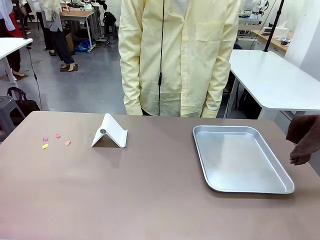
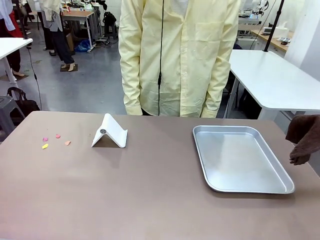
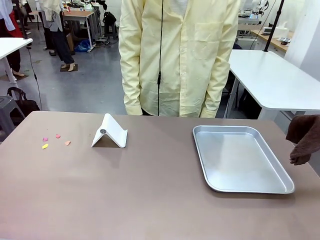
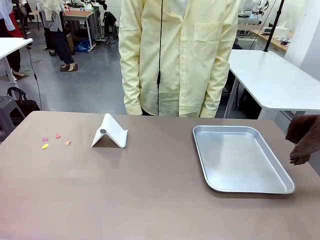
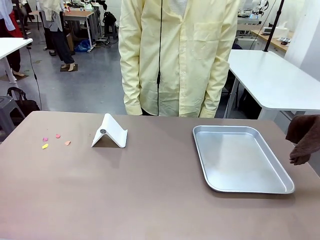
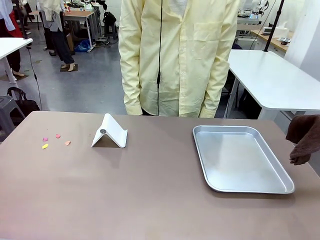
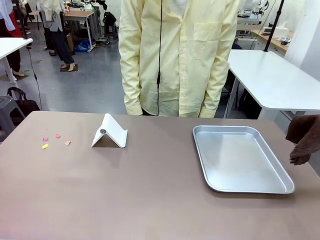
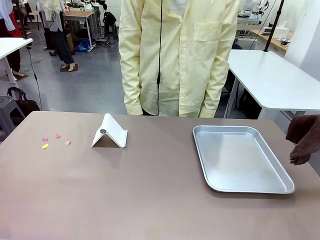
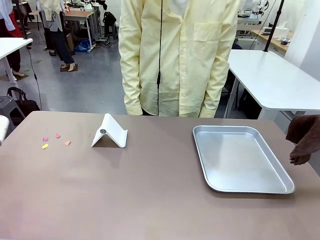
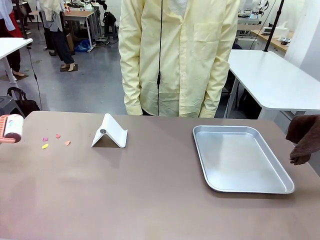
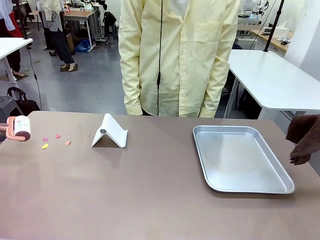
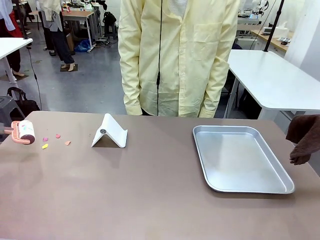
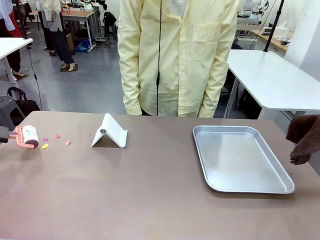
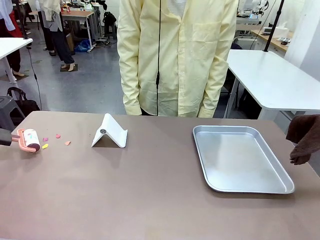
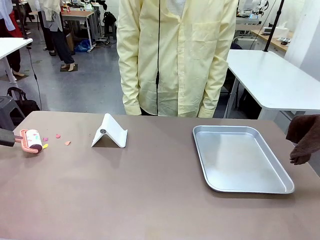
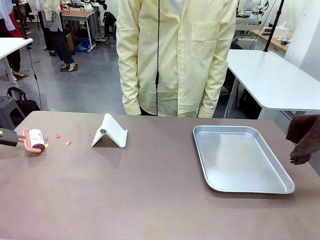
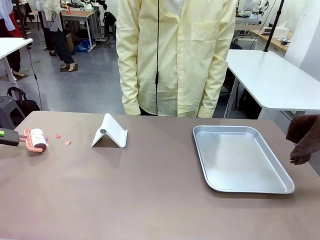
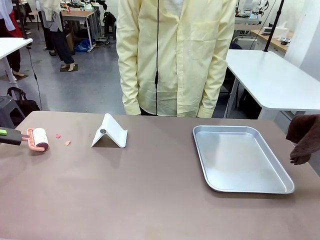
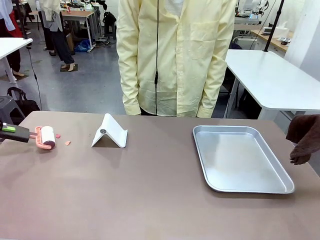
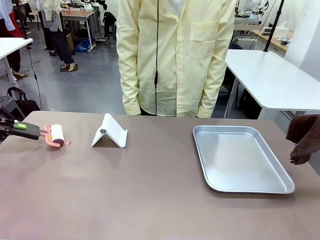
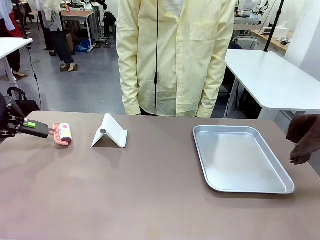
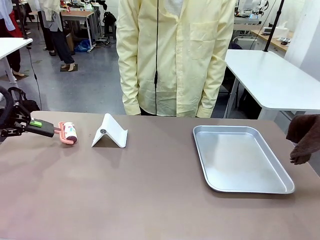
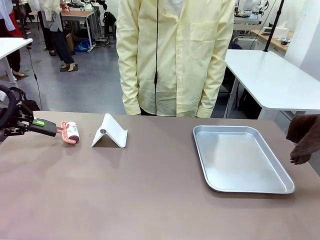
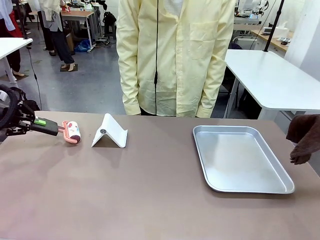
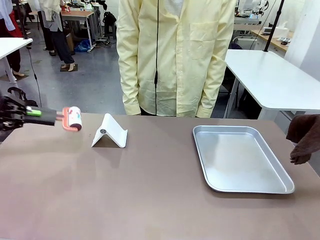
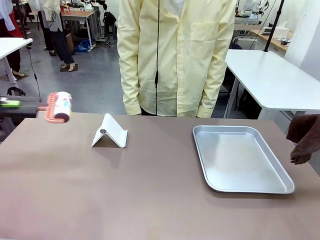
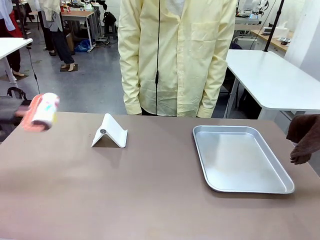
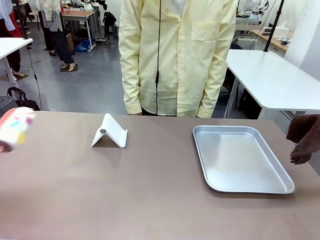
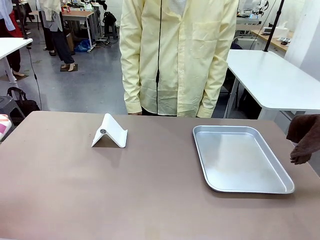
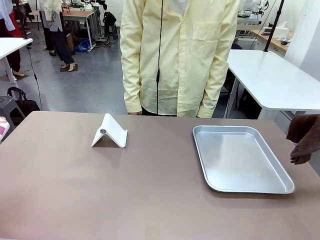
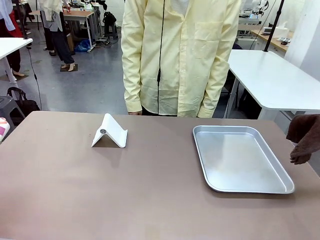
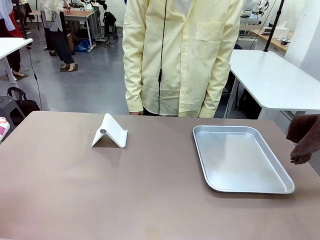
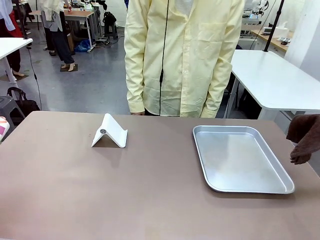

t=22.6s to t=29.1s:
Task: Clean the surface of the table.
Robot: Clean the area not pointed to by the person.

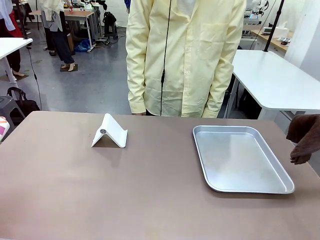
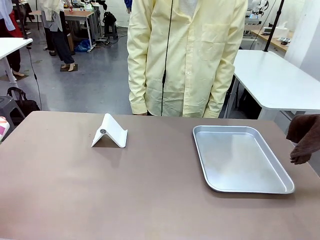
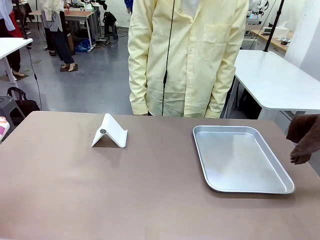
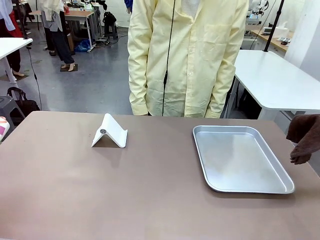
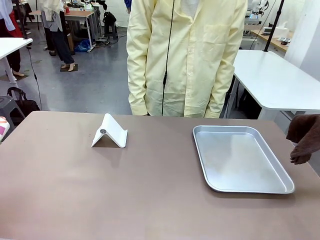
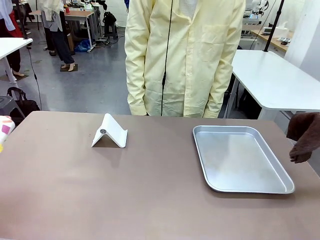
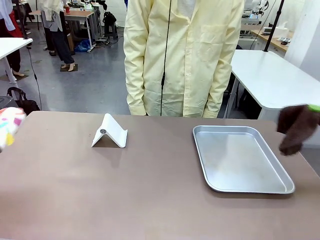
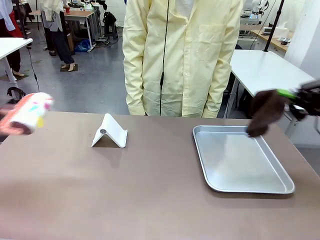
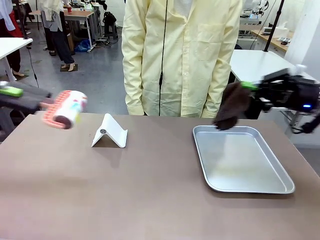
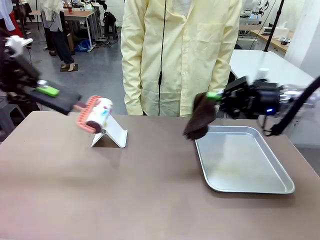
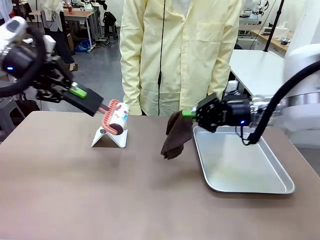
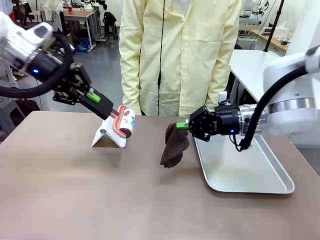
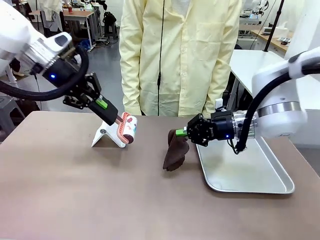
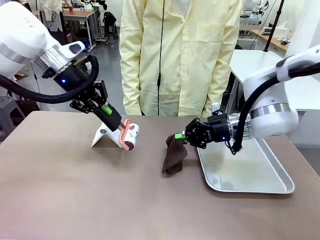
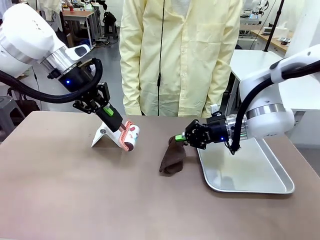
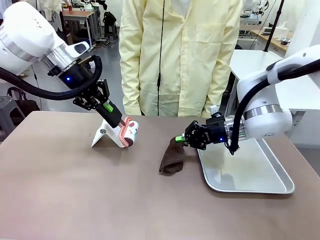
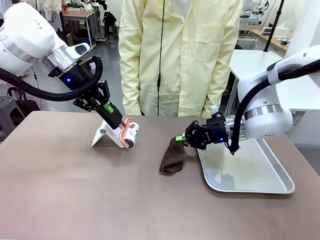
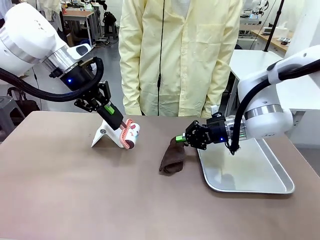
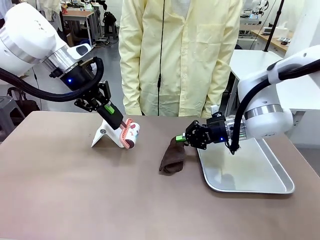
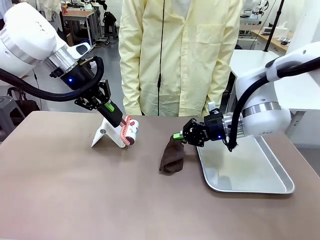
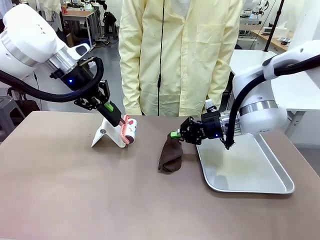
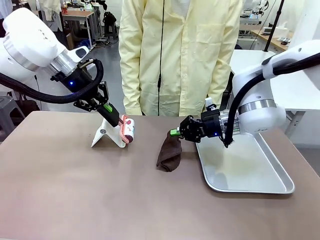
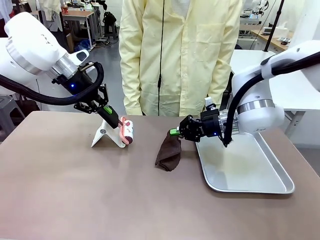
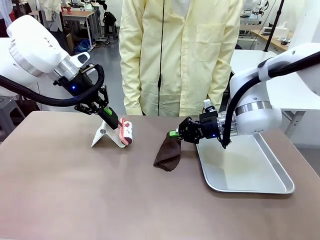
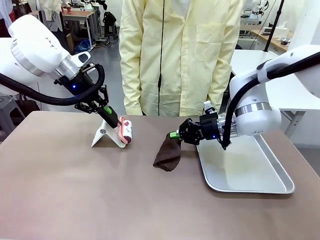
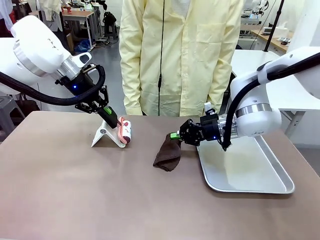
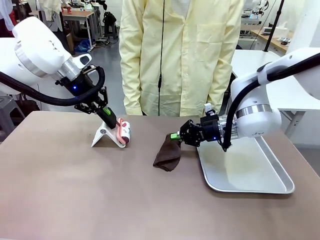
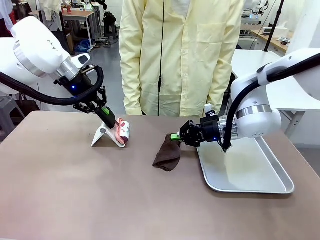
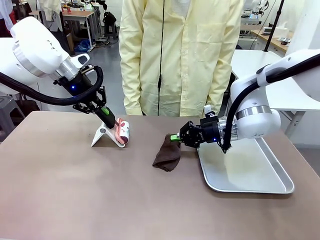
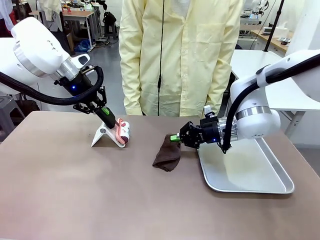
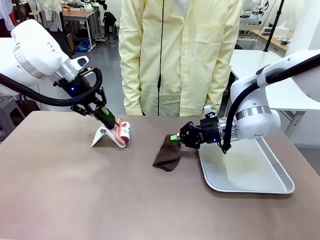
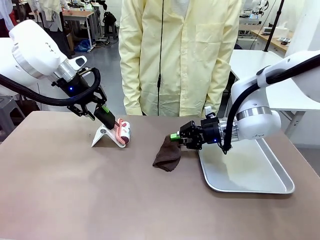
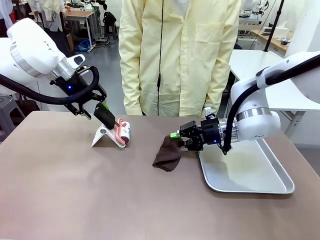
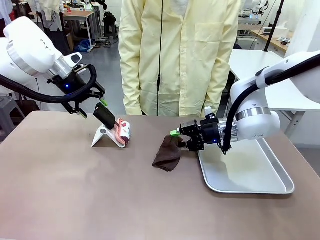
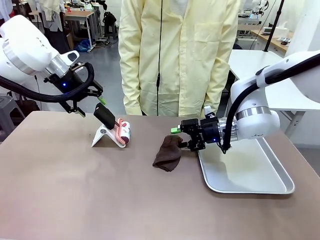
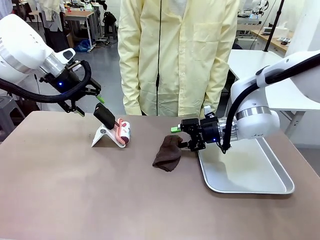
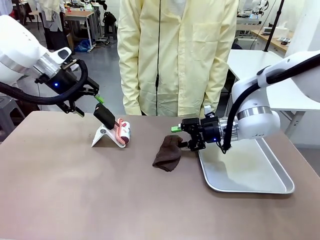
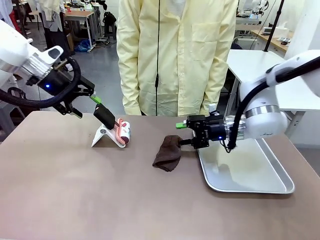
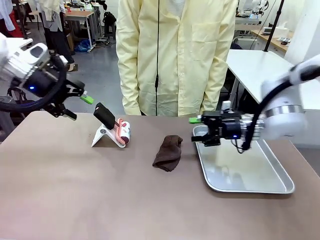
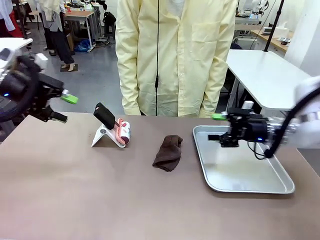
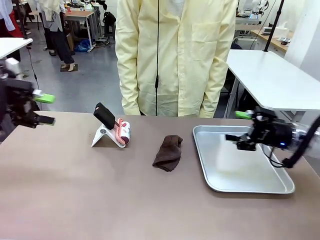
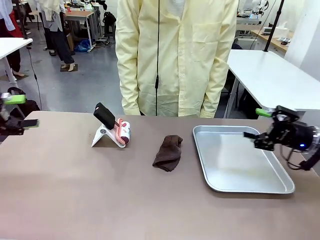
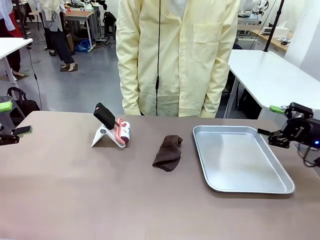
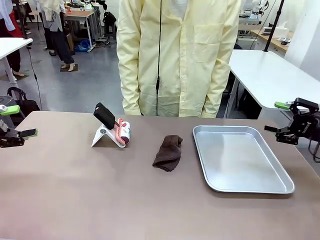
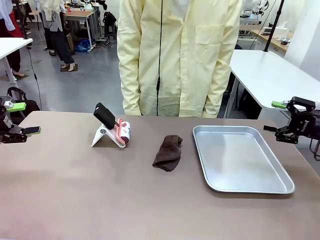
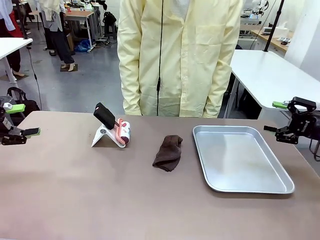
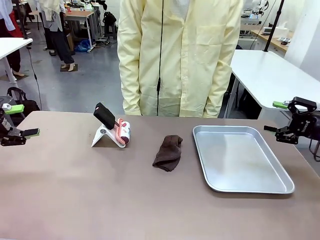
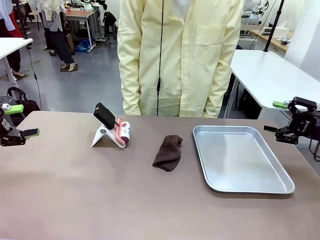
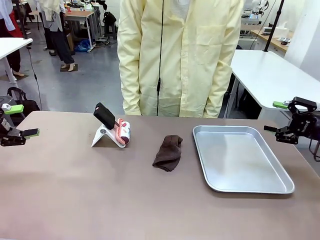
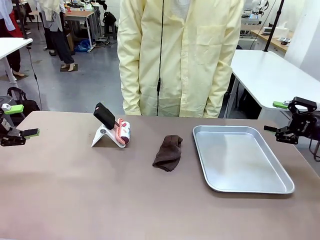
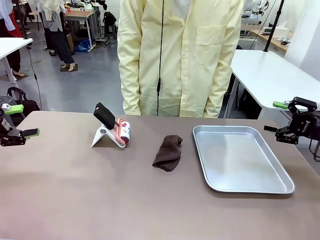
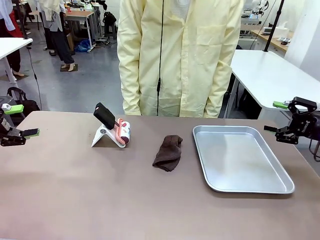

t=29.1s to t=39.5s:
Robot: Return the Lint Roller and towel to their original positions.
